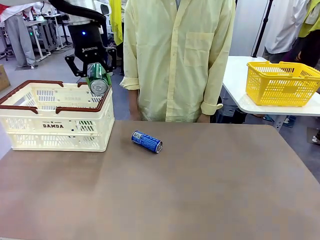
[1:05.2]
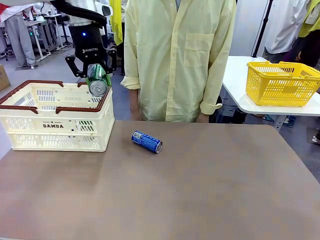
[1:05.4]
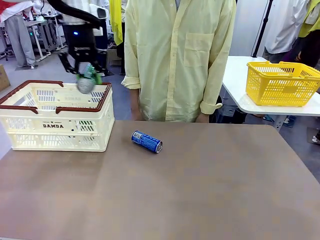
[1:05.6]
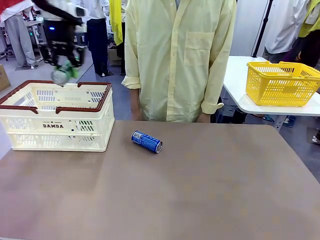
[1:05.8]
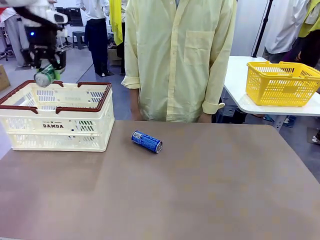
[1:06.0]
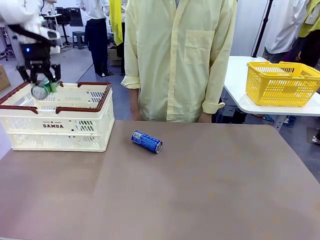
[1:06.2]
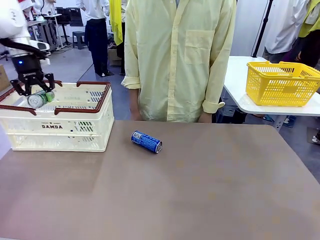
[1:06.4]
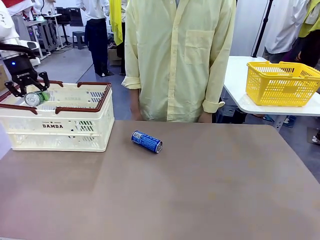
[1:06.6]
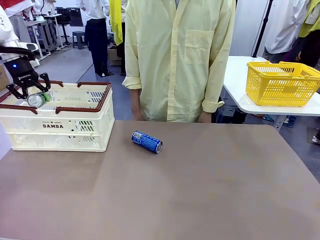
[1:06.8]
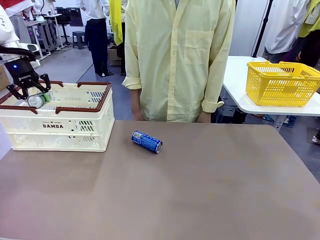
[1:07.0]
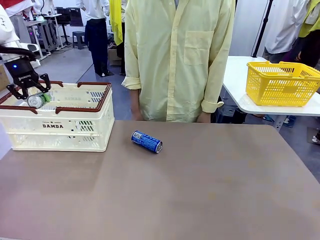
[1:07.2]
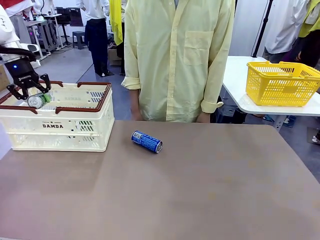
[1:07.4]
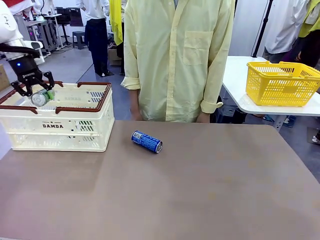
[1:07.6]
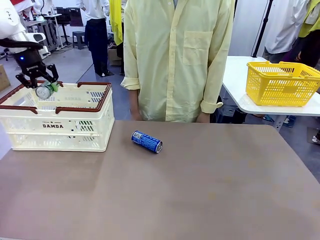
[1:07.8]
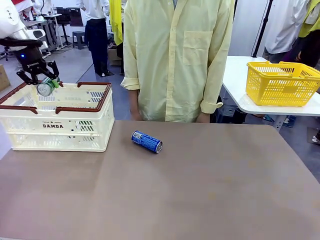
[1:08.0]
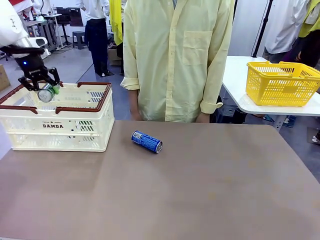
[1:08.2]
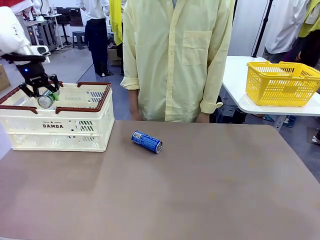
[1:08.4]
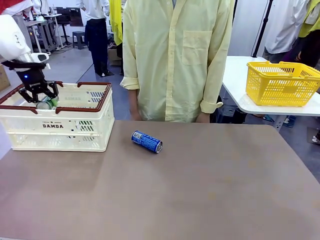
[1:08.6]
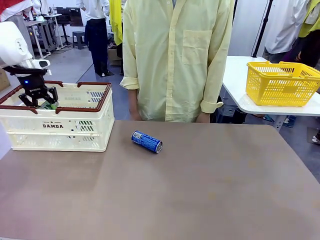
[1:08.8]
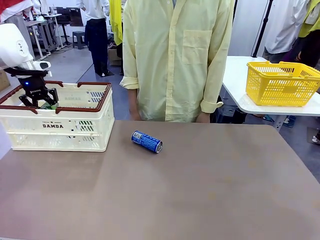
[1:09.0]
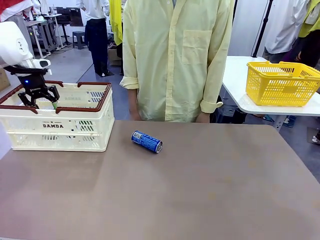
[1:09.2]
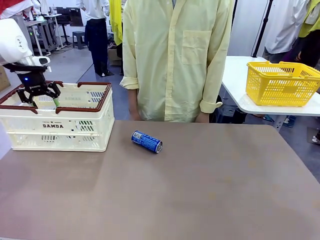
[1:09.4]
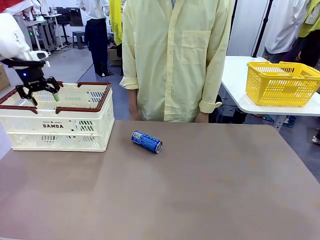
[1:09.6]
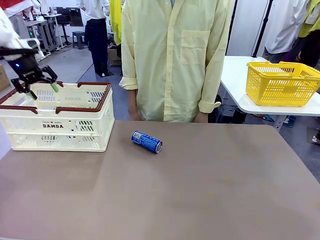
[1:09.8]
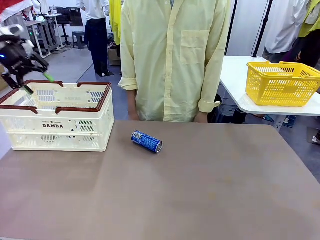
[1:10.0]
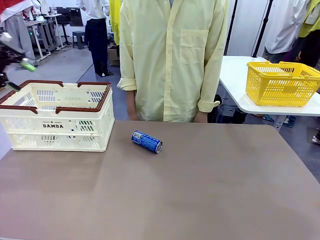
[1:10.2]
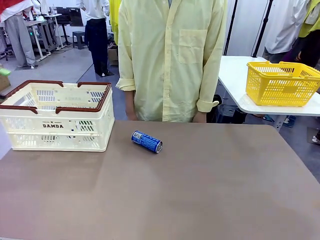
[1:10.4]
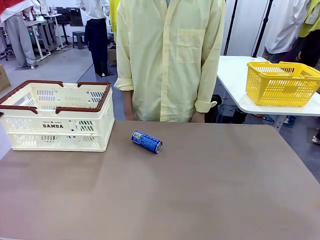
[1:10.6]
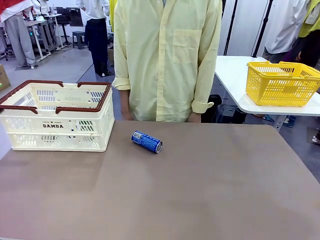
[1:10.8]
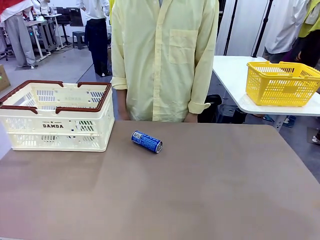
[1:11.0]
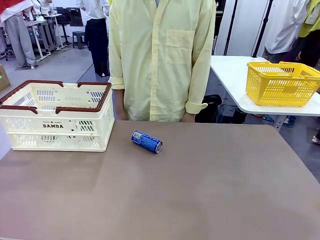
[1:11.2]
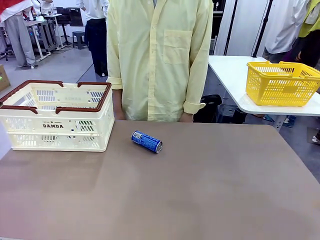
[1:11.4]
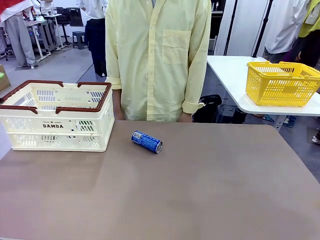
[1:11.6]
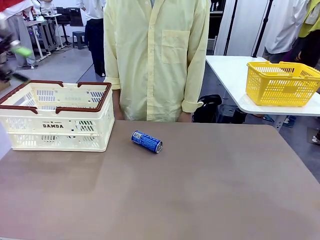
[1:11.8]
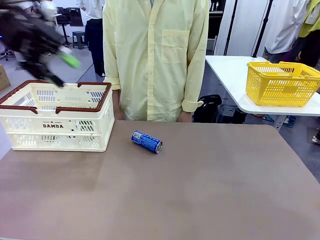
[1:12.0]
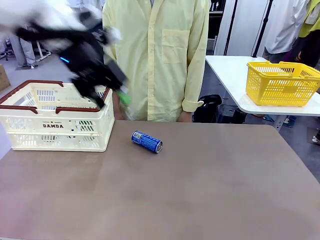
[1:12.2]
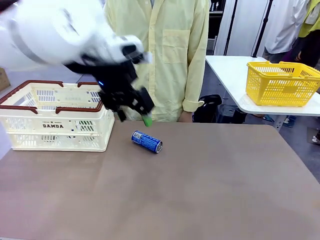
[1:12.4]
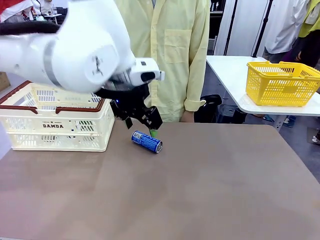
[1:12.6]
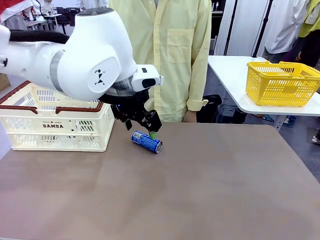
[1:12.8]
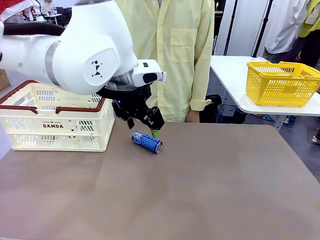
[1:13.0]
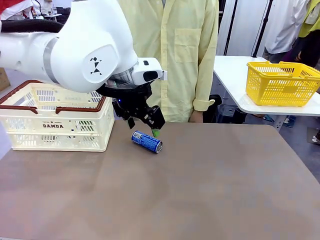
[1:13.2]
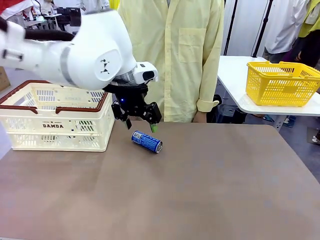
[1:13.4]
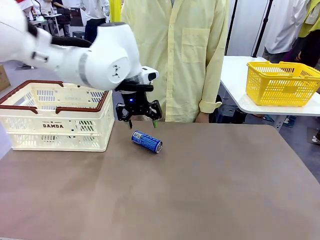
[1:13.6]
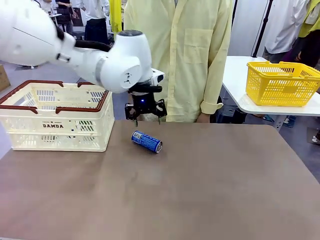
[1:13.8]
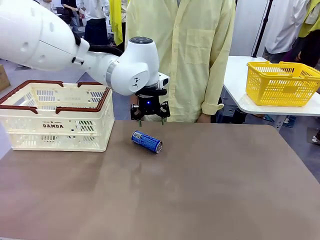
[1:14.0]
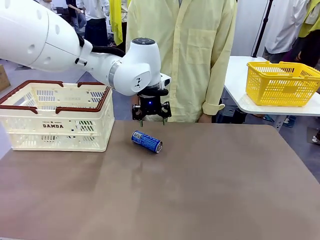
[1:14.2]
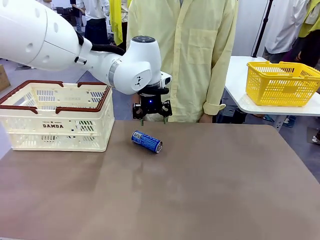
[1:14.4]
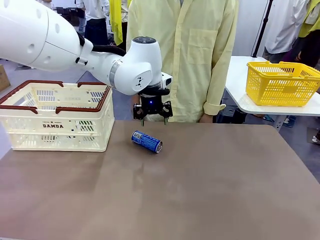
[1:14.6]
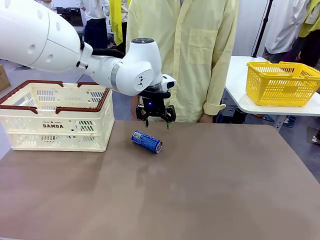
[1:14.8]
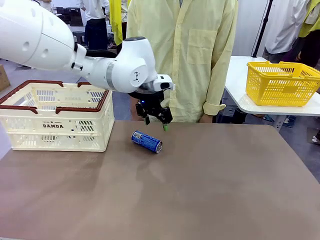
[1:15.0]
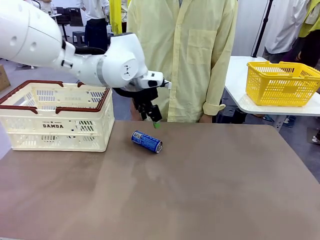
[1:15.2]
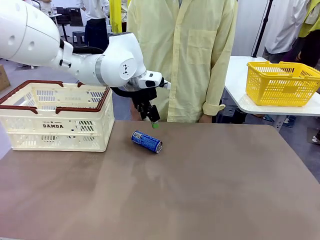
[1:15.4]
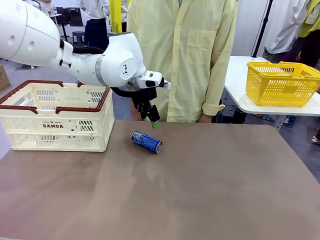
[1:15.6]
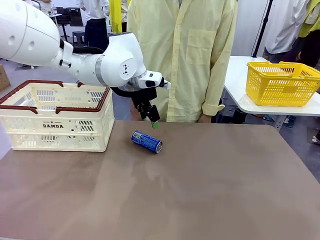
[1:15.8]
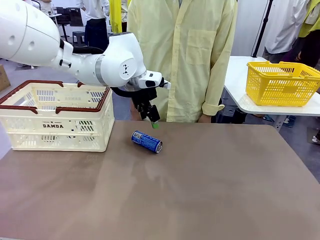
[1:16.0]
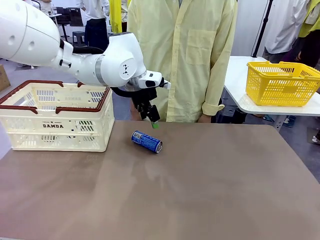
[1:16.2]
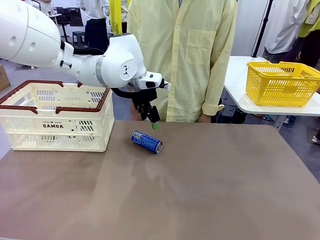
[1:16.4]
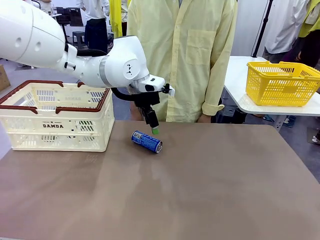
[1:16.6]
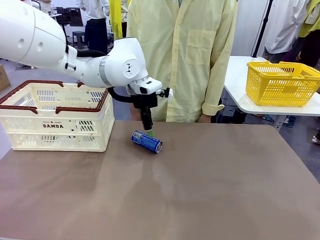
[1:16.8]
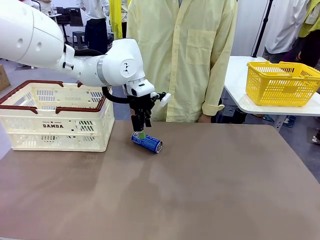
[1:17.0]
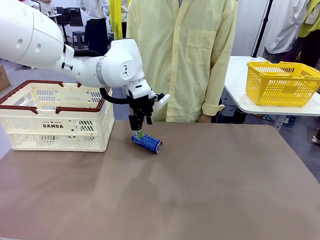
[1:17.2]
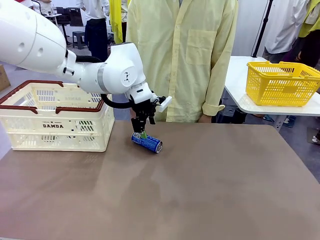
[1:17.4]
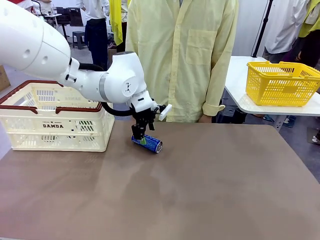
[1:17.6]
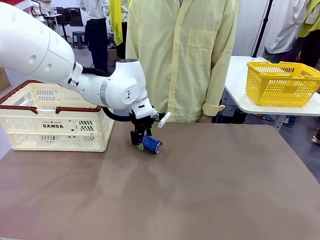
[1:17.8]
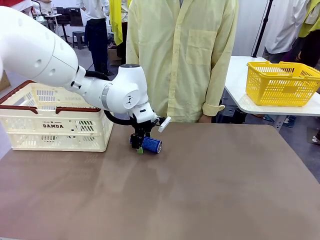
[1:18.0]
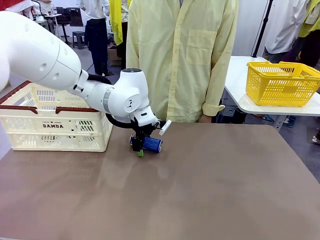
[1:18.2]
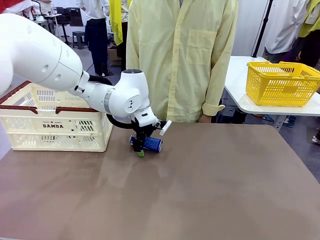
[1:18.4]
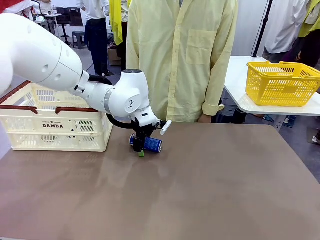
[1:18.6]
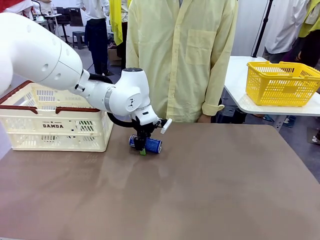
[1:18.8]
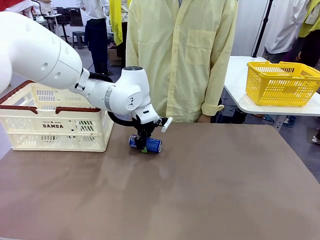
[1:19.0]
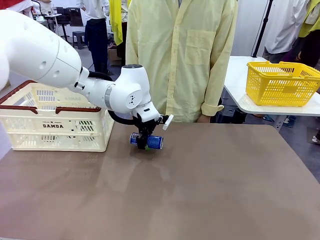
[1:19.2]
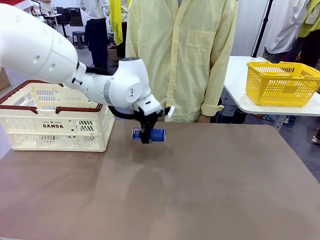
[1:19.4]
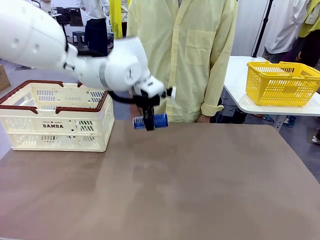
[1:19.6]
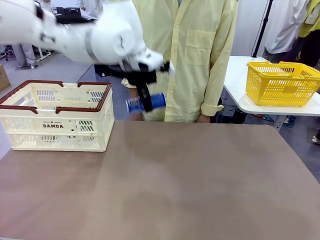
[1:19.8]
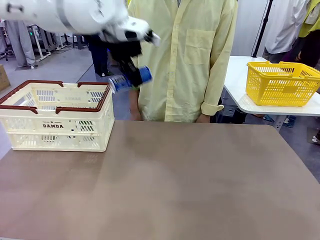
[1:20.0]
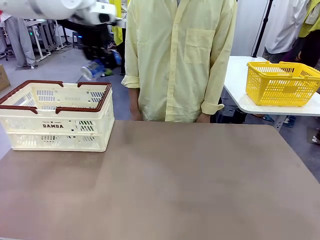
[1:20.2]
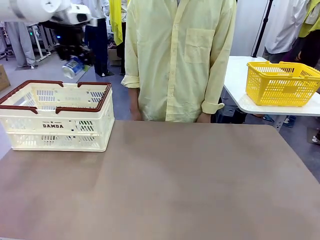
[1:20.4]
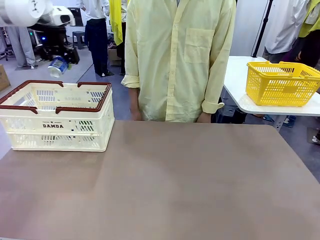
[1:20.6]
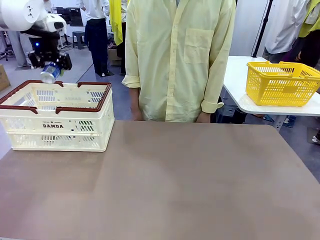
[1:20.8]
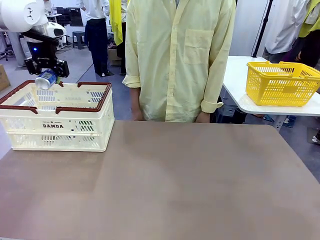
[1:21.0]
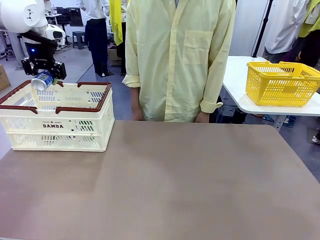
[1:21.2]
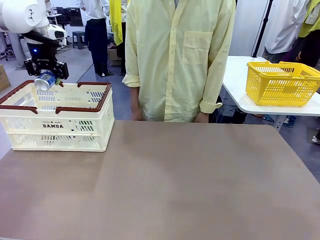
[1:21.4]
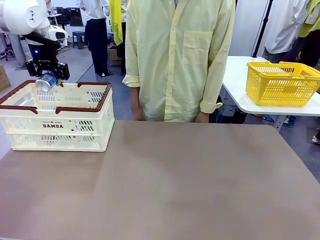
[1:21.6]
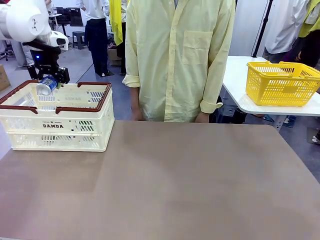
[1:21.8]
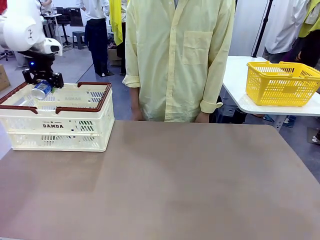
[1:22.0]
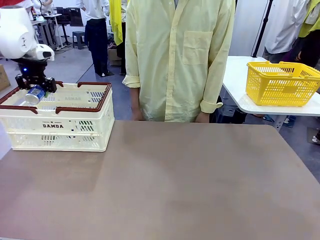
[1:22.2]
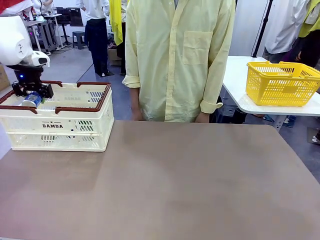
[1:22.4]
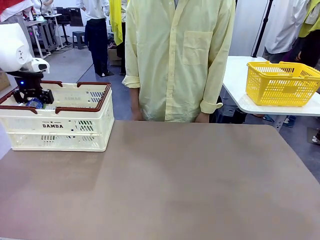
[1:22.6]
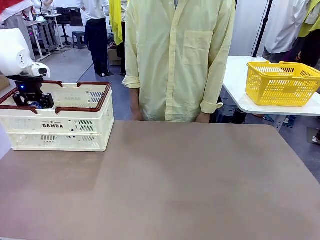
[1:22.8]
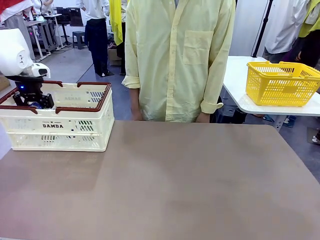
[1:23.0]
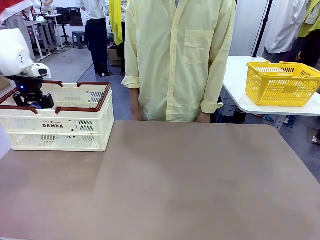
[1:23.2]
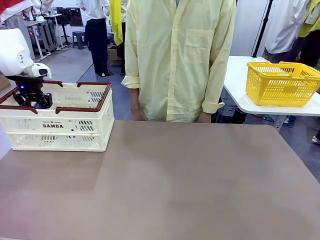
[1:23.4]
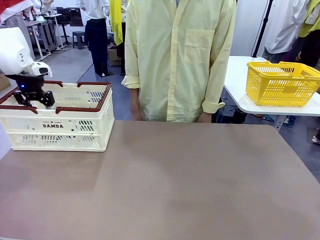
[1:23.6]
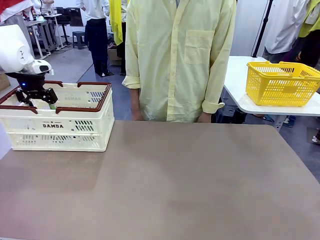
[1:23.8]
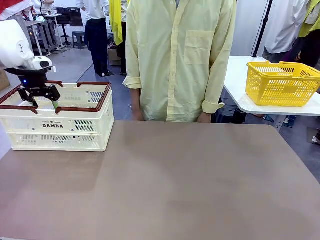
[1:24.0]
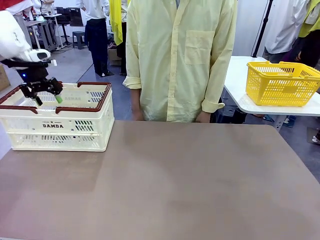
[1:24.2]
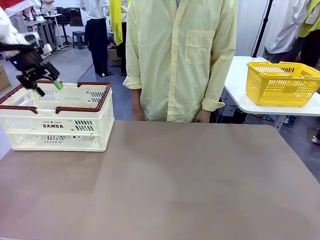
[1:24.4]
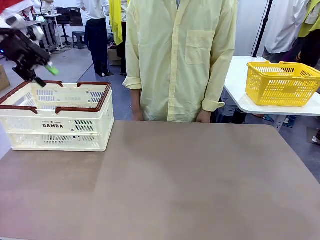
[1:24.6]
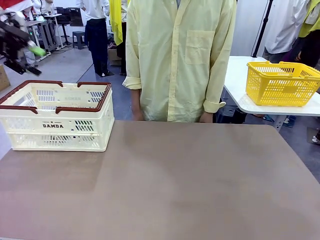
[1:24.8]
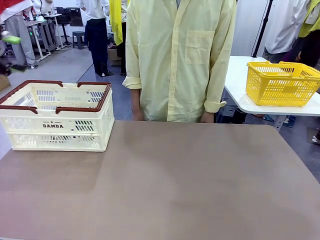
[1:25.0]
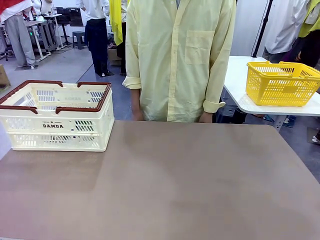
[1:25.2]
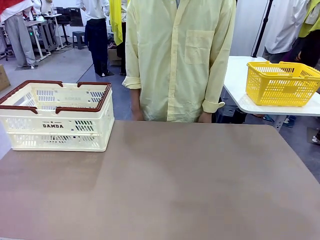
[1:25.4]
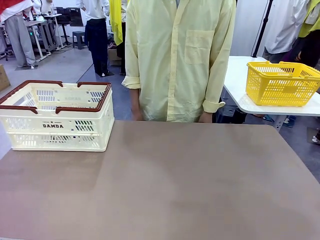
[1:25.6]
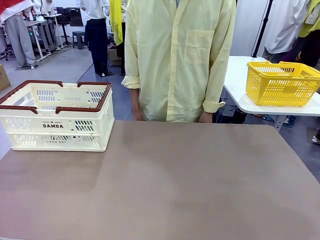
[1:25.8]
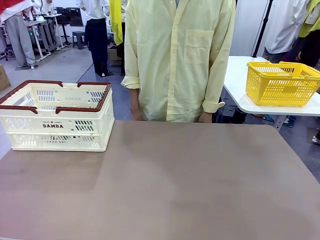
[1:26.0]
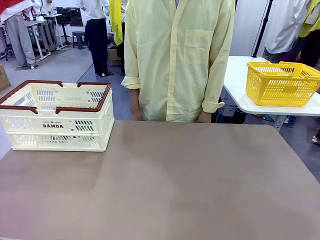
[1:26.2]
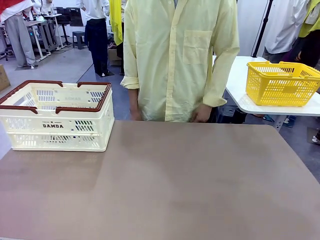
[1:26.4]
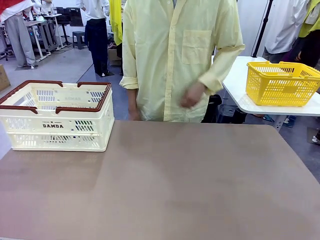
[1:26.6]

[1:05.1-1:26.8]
Task: Place the drinks into the Shopping basket.
Robot: Pick up one drink and place it into the Shopping basket.
